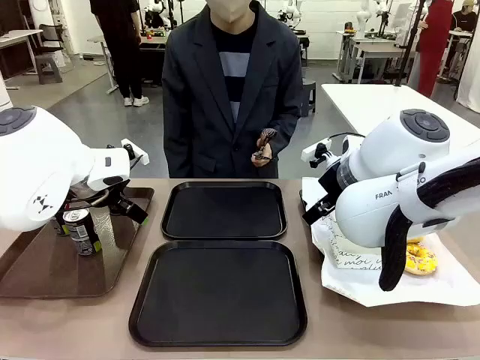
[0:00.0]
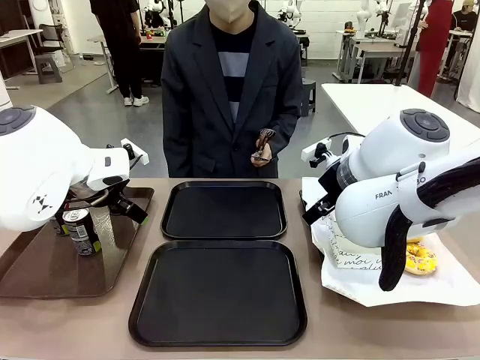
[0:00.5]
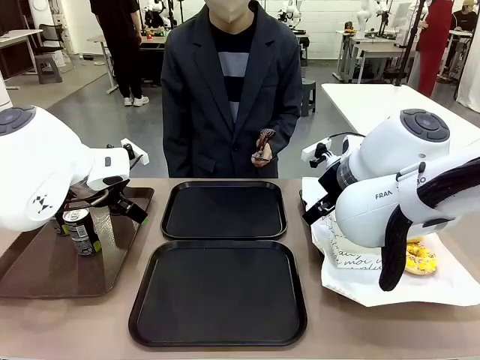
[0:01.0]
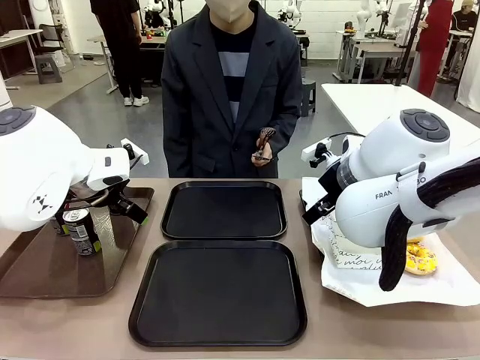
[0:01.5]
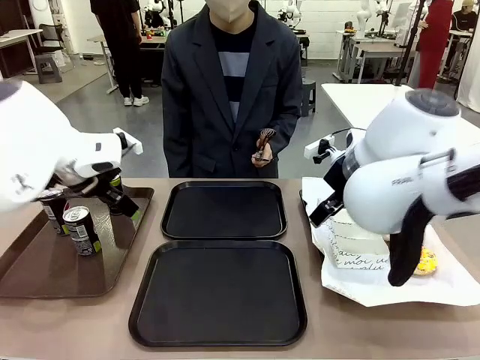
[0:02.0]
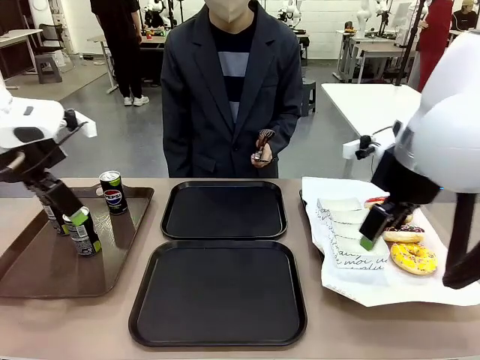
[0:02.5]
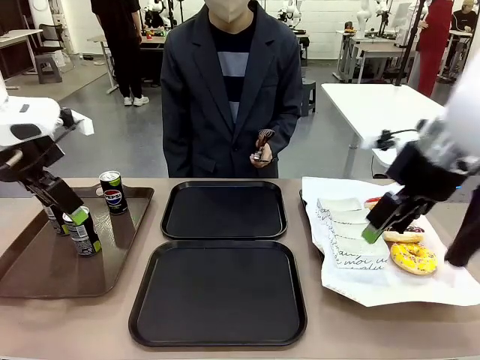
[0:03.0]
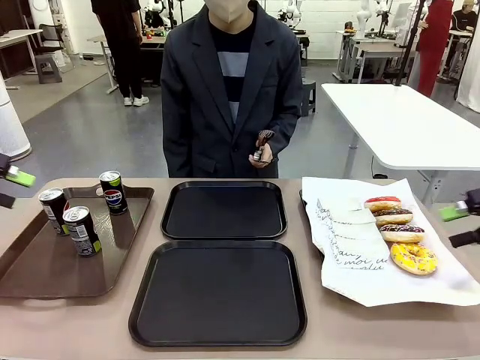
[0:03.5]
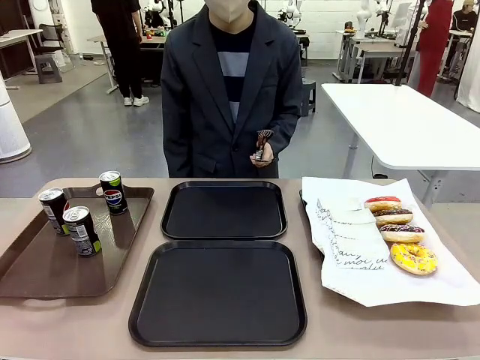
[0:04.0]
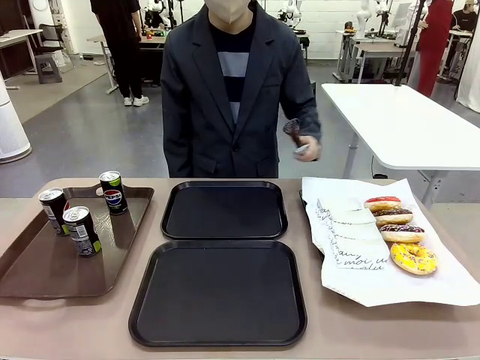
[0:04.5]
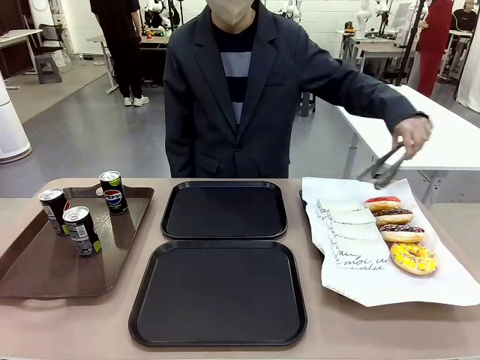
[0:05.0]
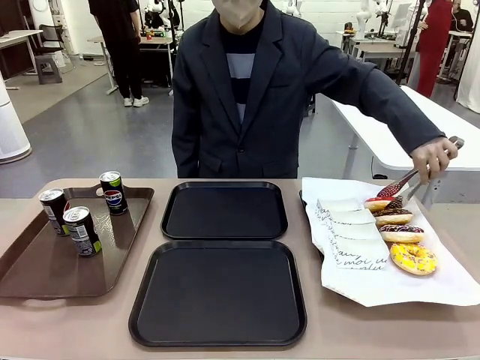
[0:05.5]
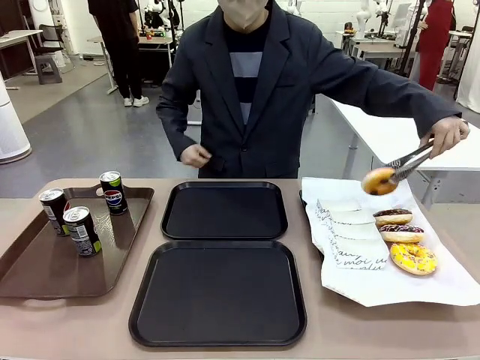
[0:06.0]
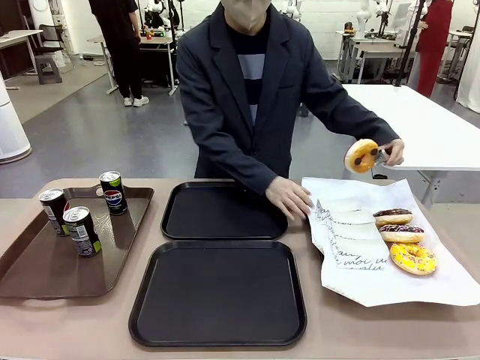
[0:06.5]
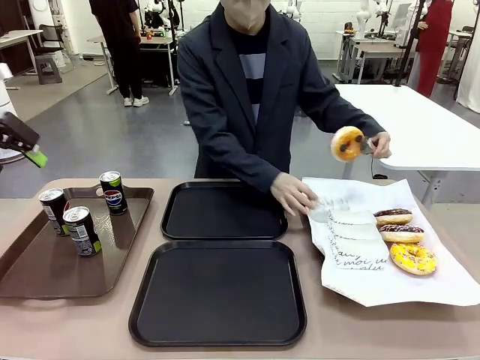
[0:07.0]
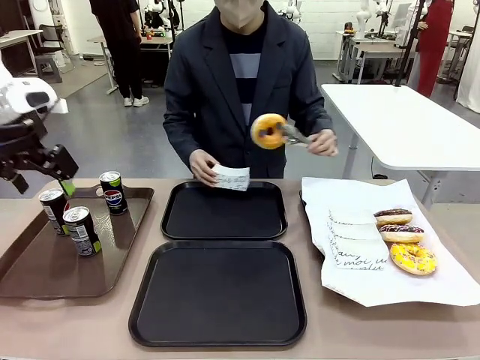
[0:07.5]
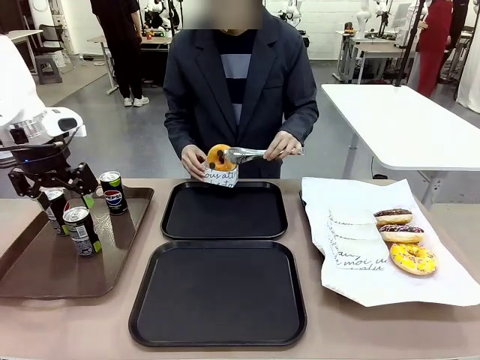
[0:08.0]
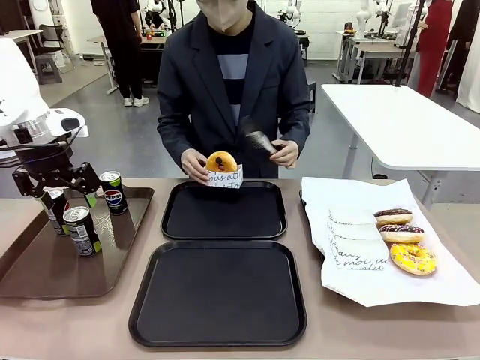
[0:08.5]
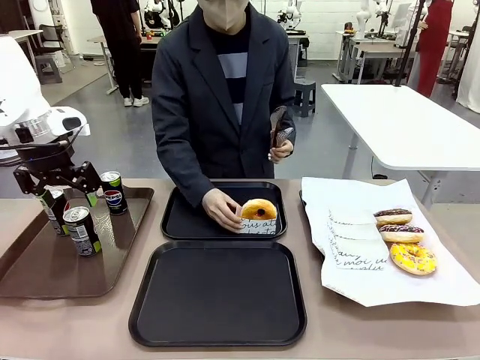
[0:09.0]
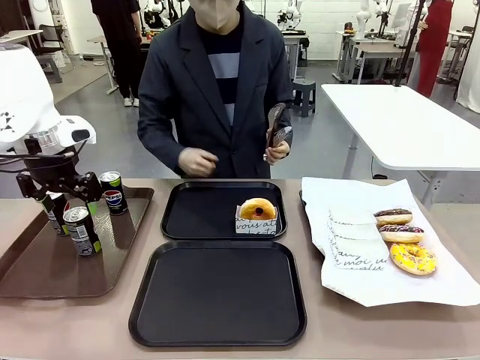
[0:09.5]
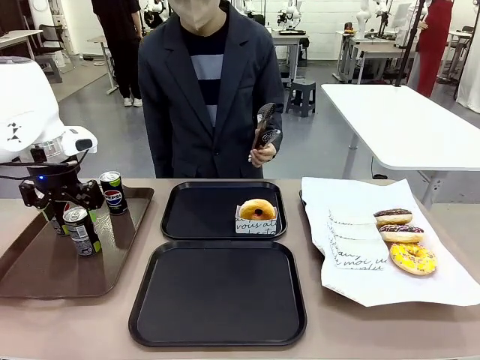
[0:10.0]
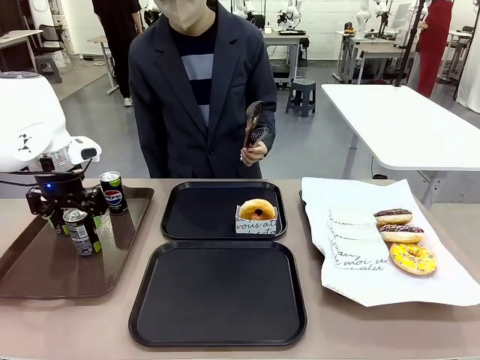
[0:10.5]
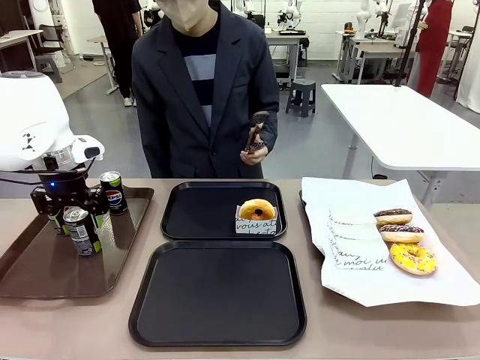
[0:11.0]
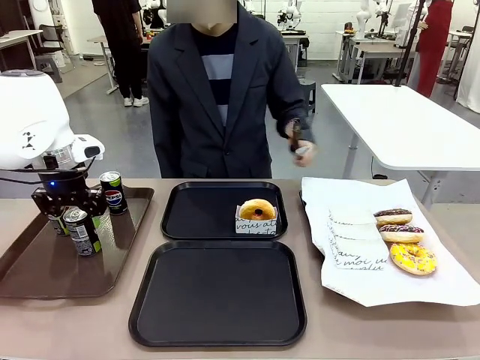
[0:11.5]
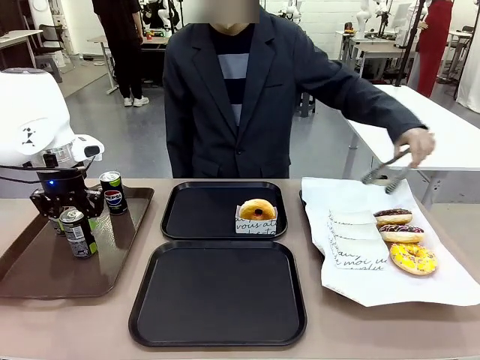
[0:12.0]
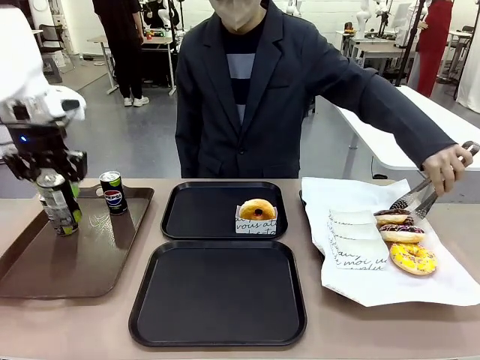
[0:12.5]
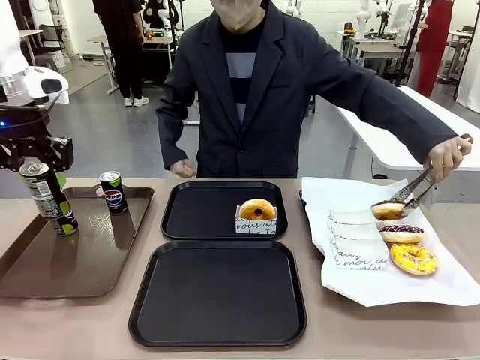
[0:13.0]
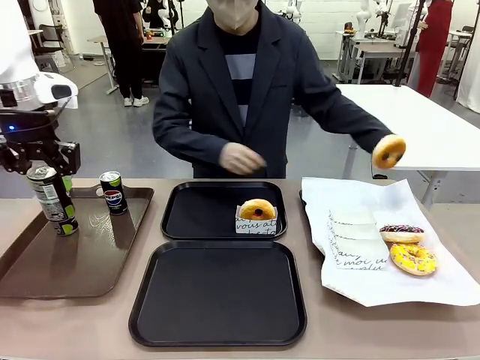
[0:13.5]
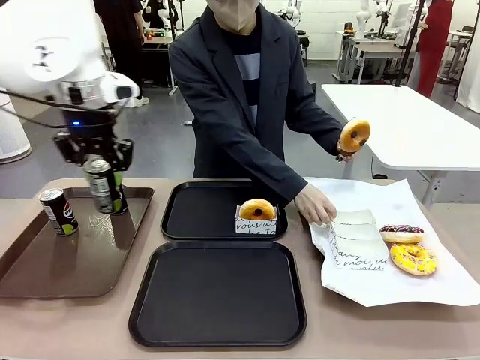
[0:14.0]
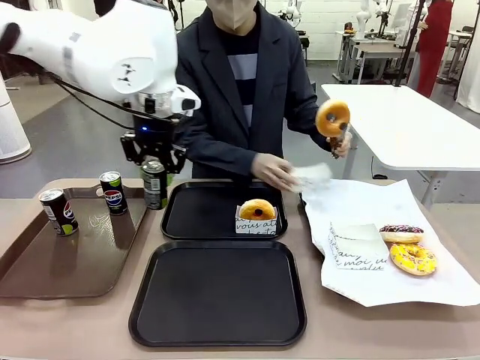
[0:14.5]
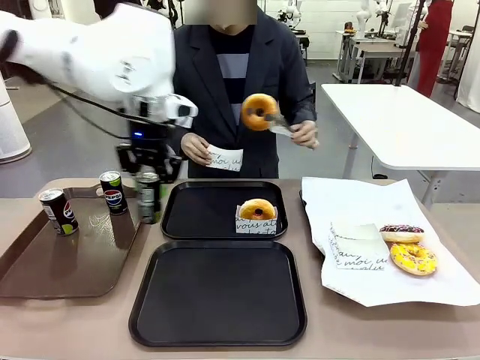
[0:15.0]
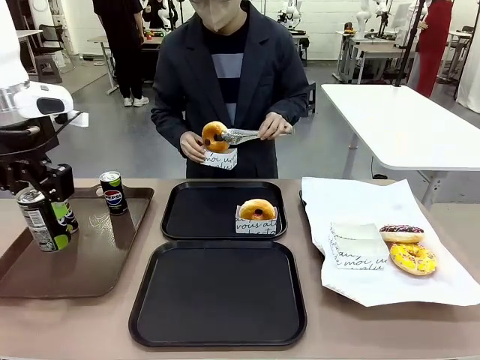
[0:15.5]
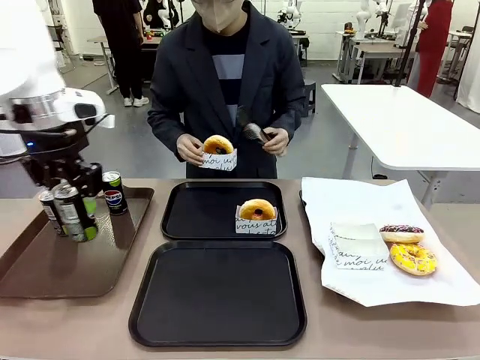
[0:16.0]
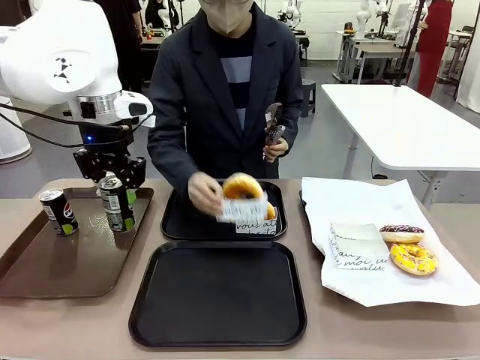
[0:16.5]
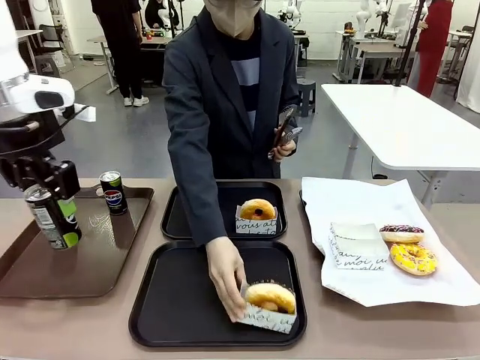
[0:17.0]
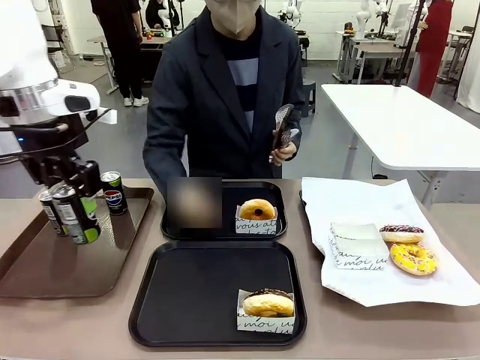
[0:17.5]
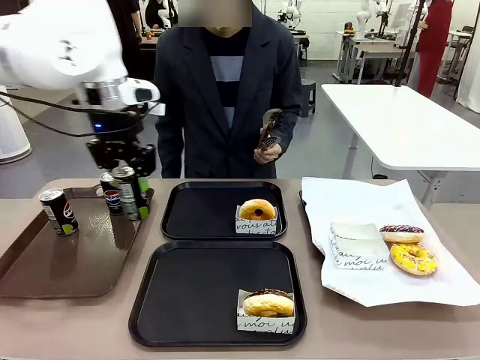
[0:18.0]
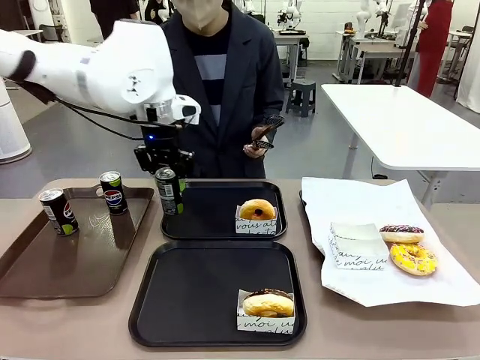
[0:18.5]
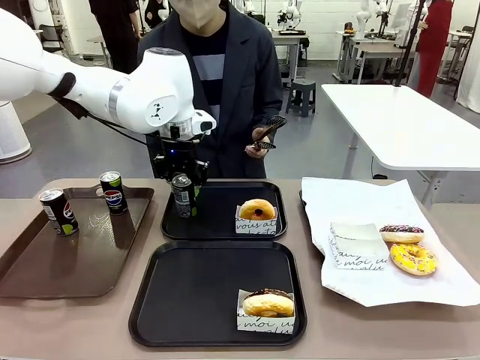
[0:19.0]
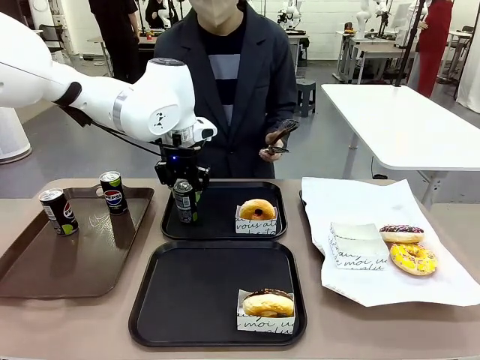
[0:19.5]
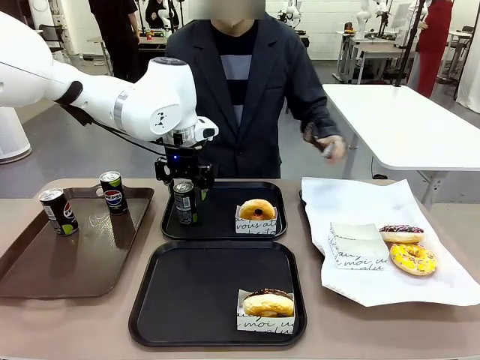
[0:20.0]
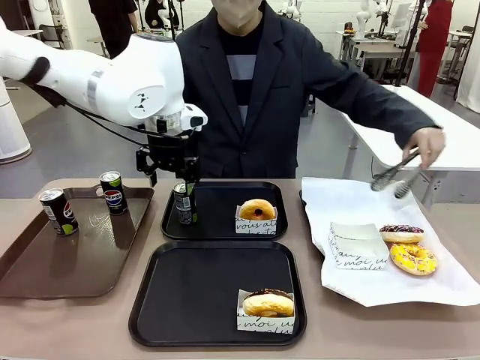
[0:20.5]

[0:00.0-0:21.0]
Task: Set up donuts and drinks on trays.
Robot: Pick up one Pepsi coke and place it on the Flat Tray.
Person: Pick up one donut with tongs, place it in the donut tray, and then place the donut tray on the flat tray.
